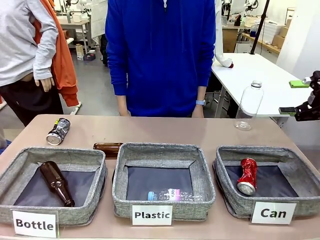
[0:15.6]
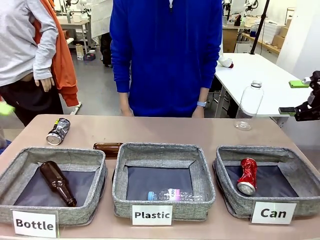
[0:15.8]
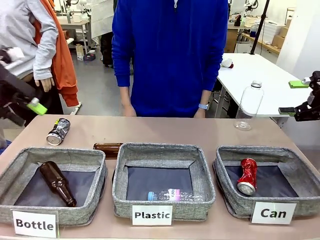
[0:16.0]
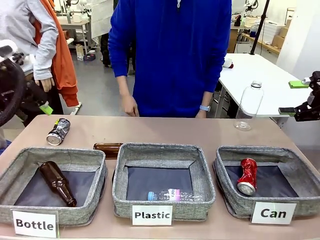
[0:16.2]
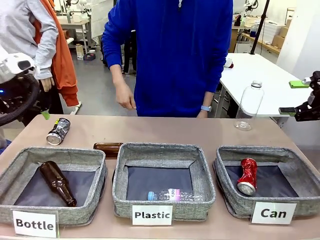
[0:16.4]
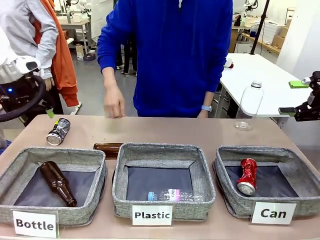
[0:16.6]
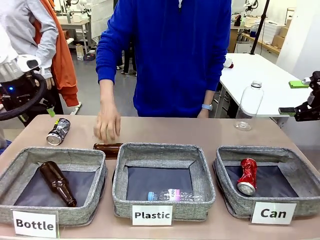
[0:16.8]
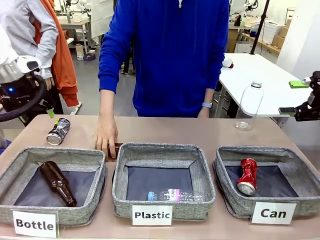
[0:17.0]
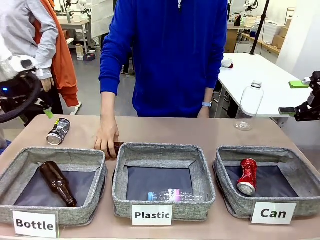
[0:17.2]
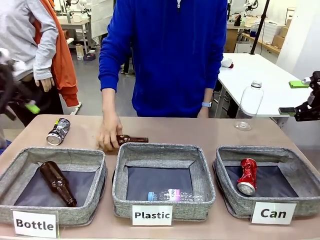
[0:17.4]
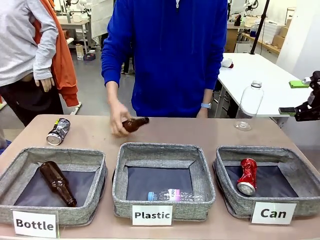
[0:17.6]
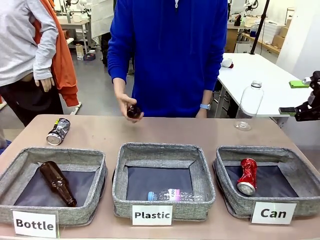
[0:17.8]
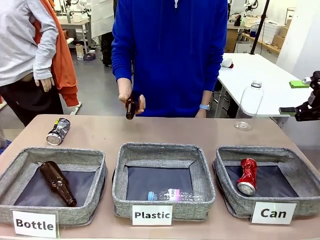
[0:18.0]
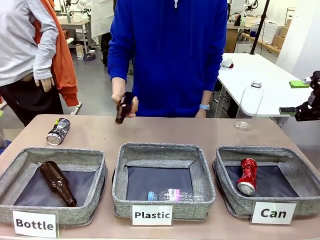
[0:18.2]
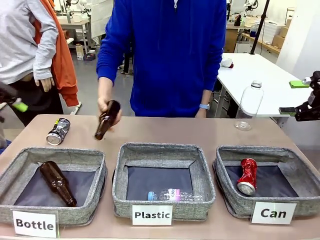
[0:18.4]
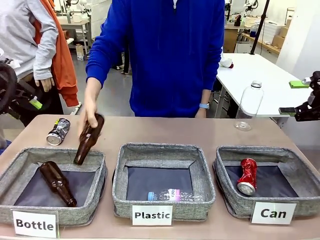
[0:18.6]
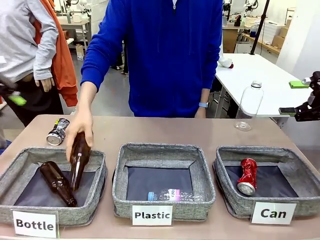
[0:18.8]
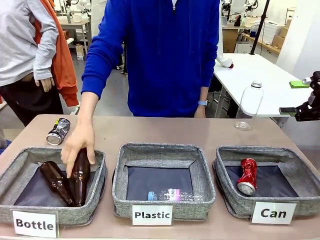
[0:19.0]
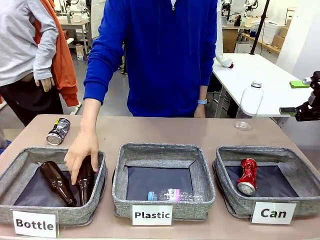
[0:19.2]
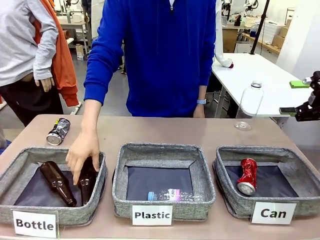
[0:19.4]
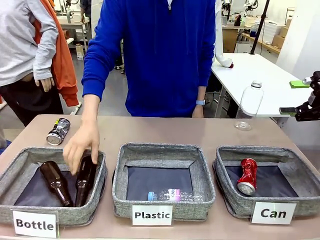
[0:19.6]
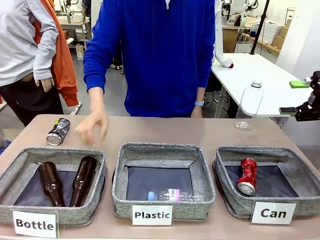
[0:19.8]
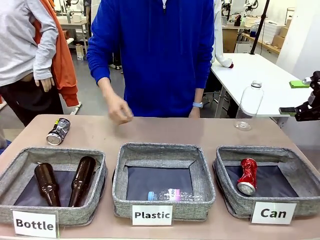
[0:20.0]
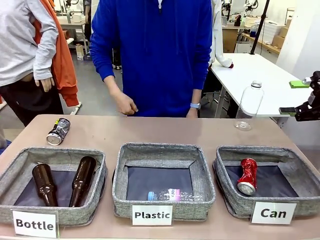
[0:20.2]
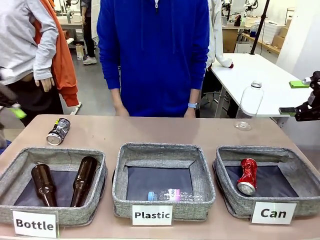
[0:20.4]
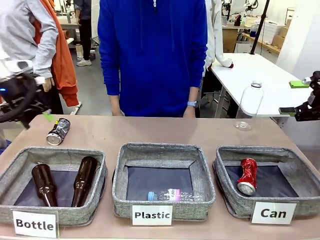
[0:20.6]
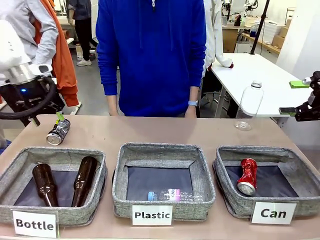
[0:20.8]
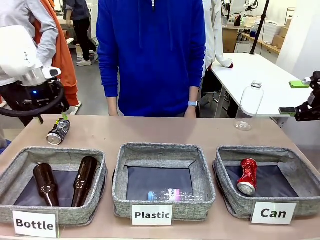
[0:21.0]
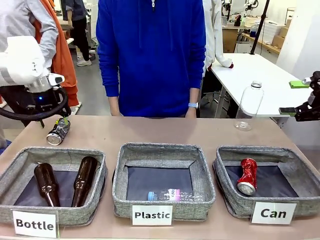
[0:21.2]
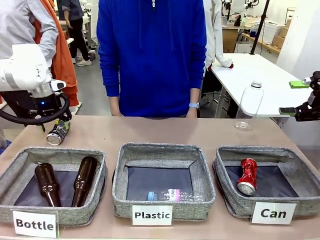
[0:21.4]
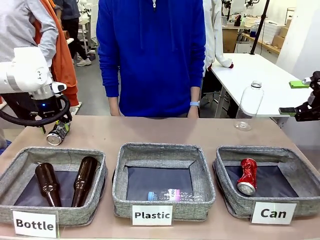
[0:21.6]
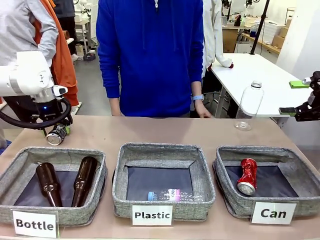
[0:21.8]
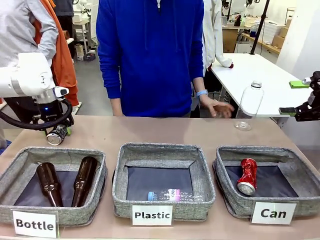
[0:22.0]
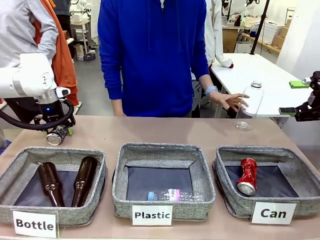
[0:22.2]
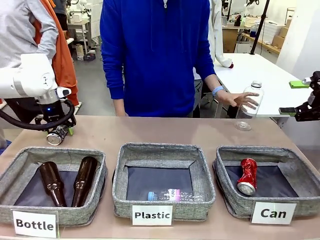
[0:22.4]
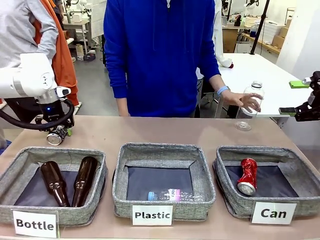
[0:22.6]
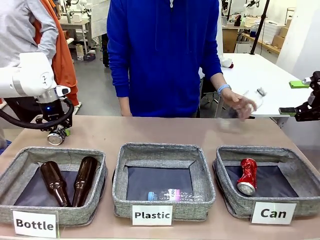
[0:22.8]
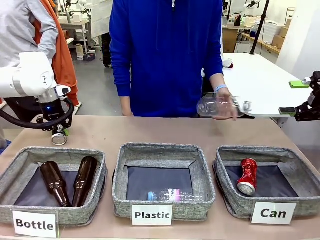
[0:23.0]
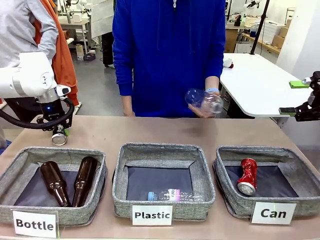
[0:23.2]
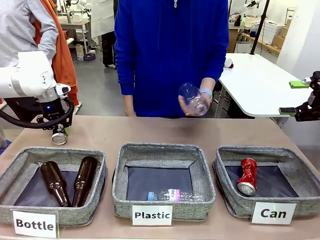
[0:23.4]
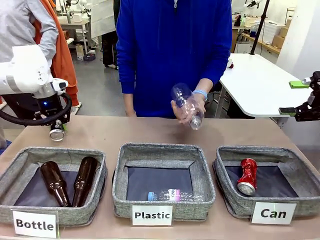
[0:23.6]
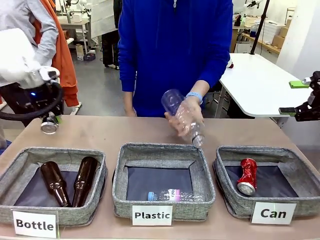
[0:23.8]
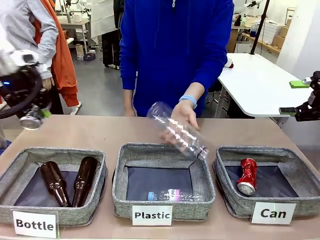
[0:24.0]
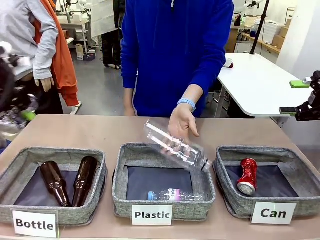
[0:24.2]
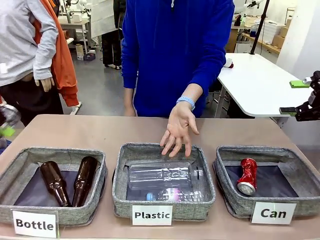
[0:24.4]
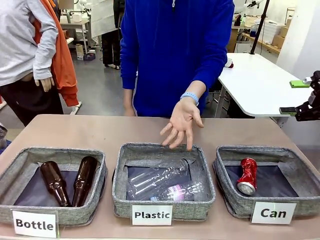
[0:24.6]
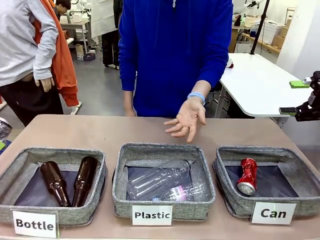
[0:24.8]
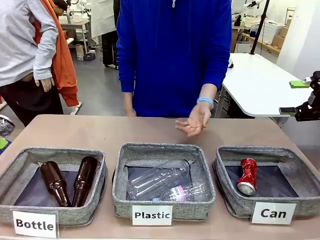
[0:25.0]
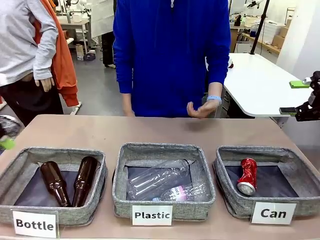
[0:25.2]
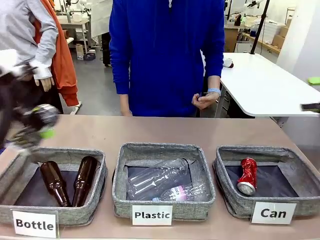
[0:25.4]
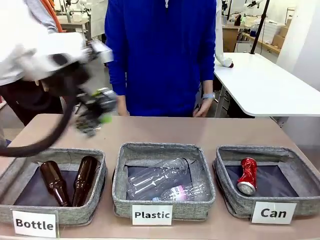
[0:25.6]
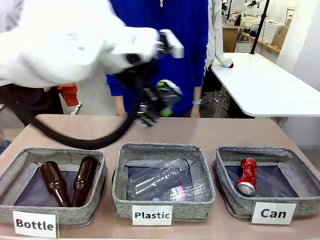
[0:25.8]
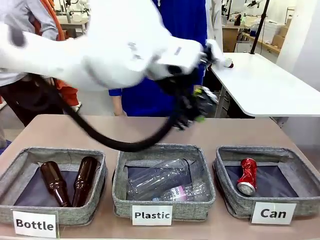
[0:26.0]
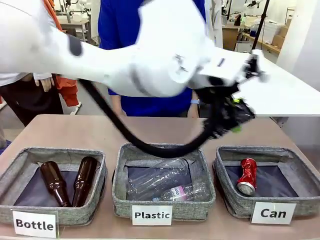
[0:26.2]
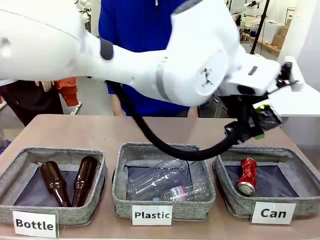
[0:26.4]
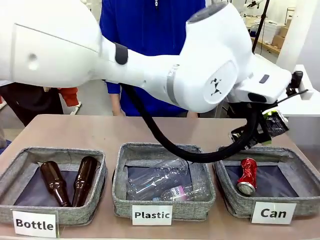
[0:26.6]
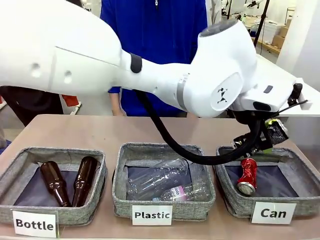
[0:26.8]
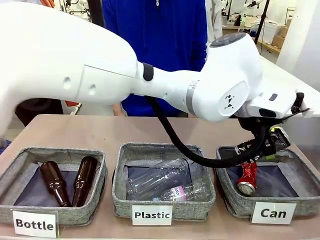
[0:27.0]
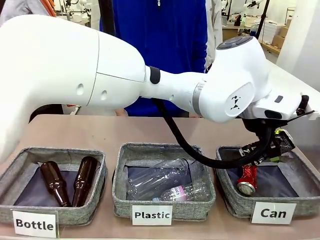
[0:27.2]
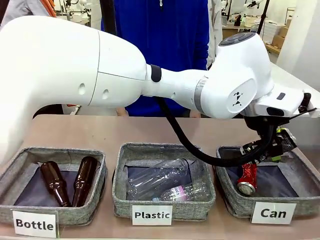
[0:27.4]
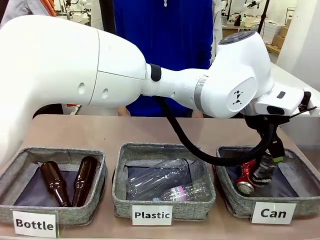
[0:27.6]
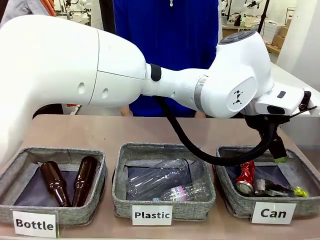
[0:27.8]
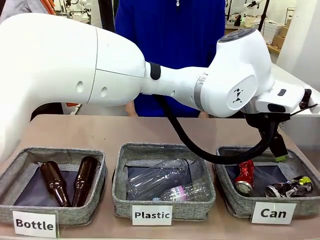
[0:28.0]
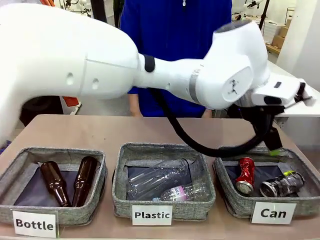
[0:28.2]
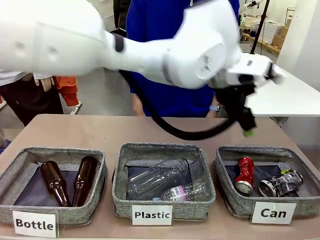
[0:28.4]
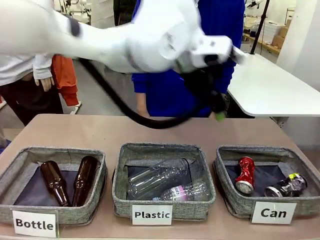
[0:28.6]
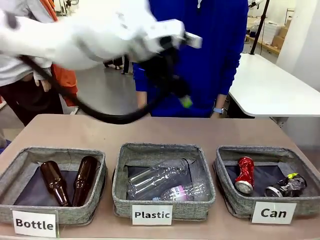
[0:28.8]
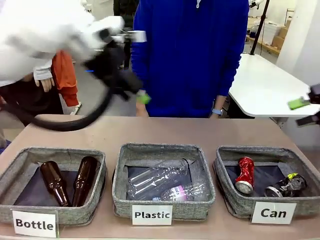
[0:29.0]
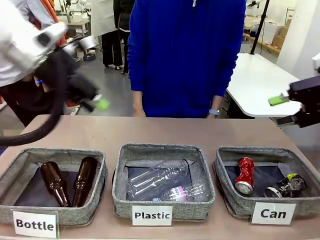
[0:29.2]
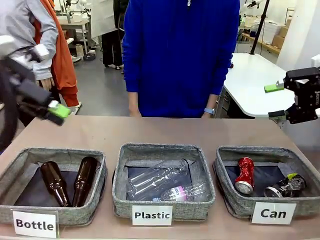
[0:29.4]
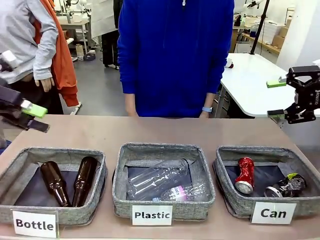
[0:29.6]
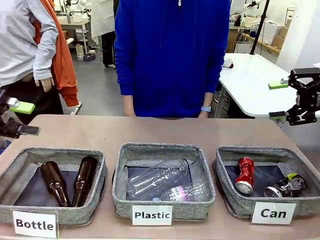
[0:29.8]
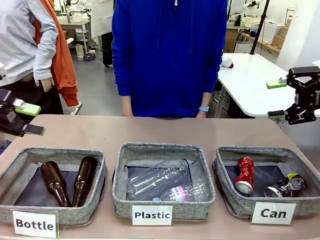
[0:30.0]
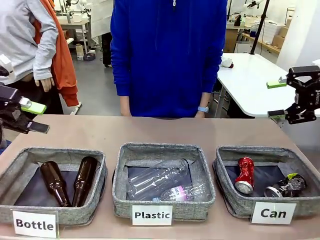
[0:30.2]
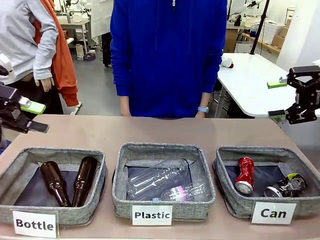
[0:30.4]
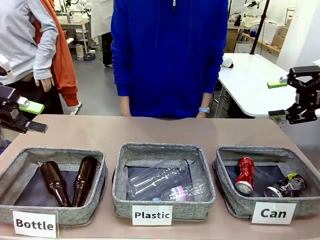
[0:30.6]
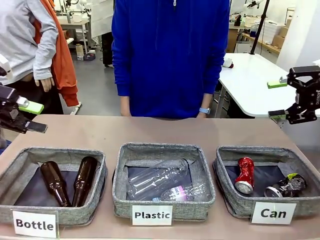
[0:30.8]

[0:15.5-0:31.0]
Task: Sort the can waste into the basket.
Robot: Pick up the can waste from the table and place it in the right Fabric basket.
